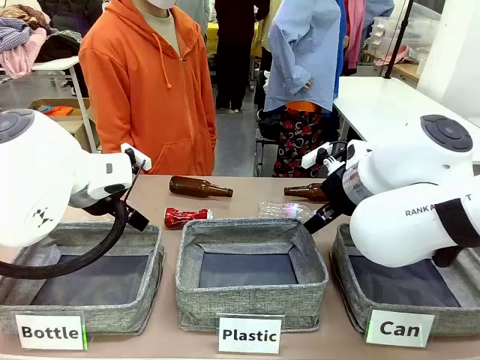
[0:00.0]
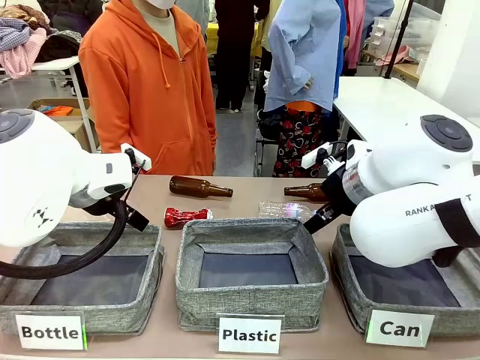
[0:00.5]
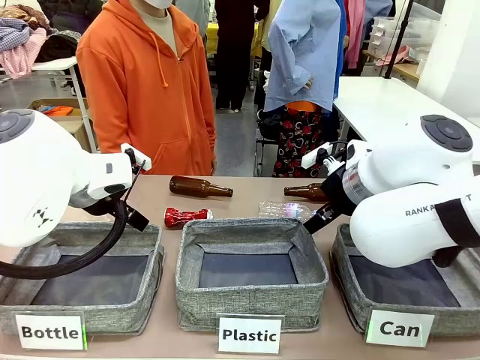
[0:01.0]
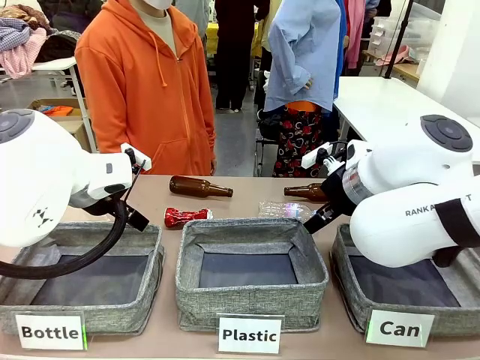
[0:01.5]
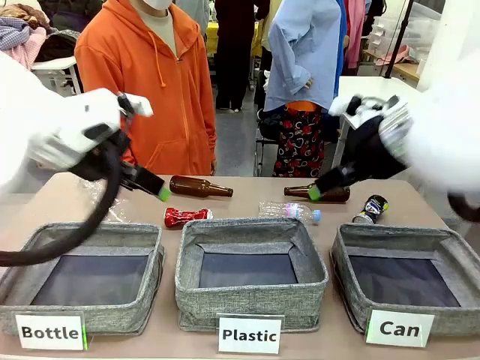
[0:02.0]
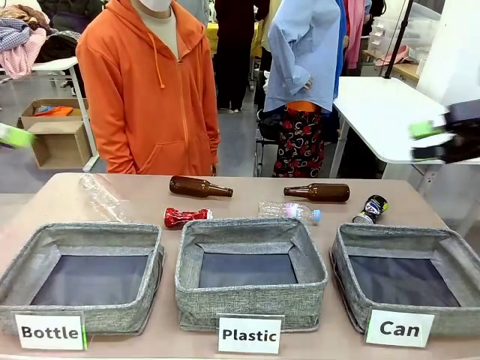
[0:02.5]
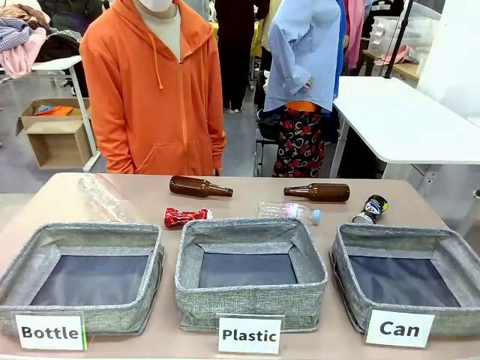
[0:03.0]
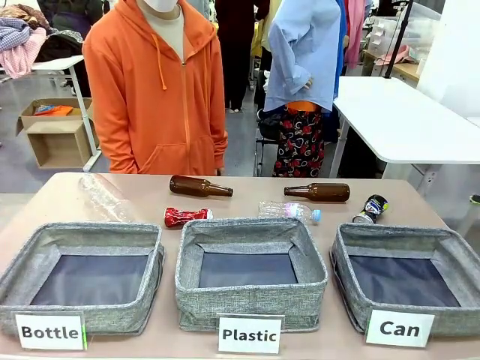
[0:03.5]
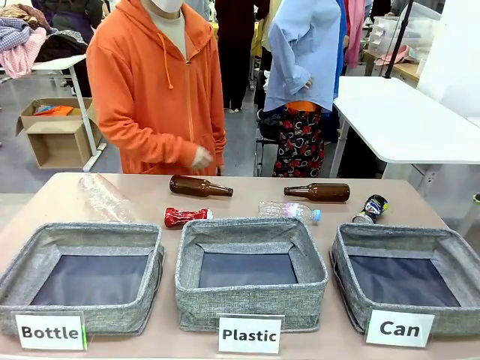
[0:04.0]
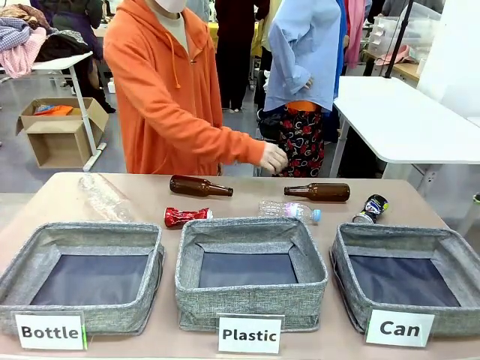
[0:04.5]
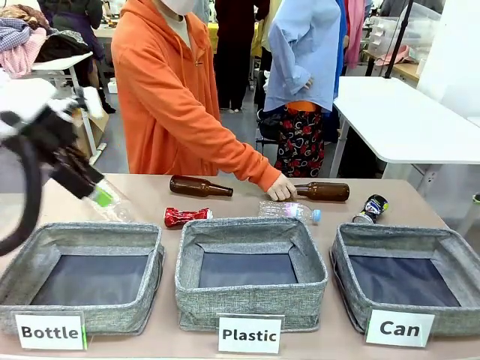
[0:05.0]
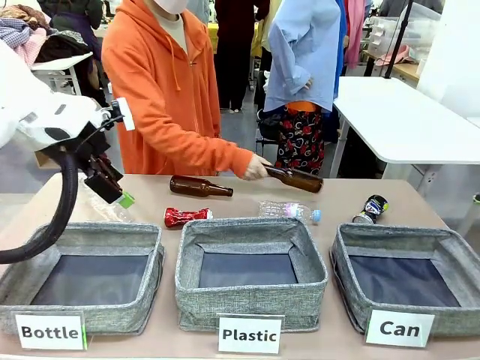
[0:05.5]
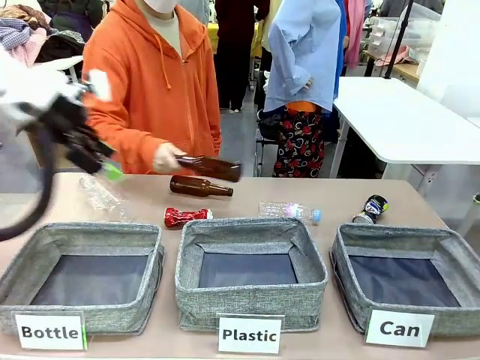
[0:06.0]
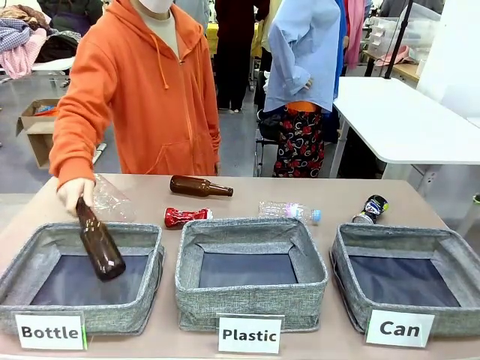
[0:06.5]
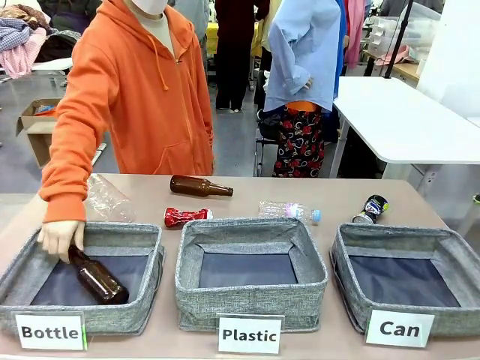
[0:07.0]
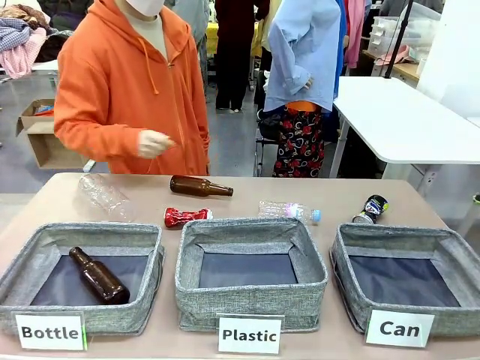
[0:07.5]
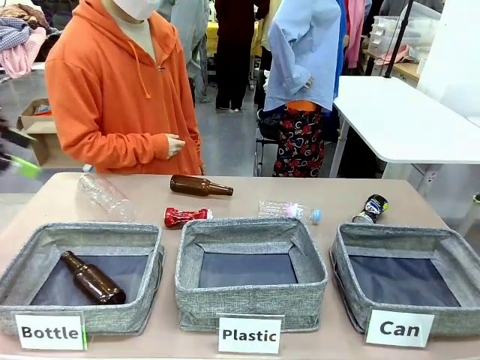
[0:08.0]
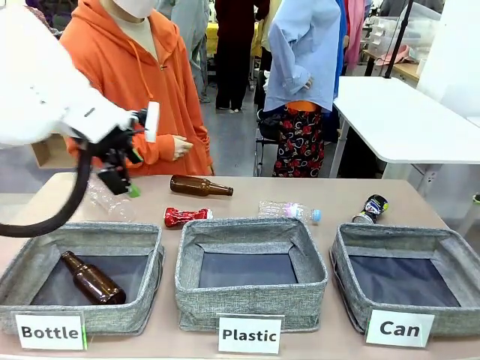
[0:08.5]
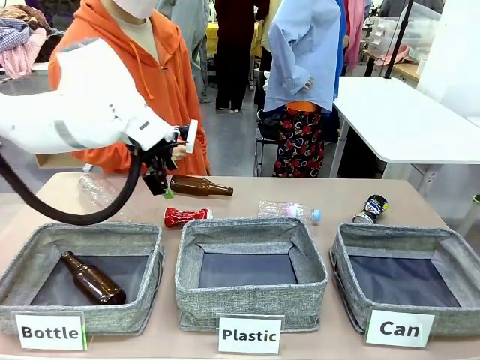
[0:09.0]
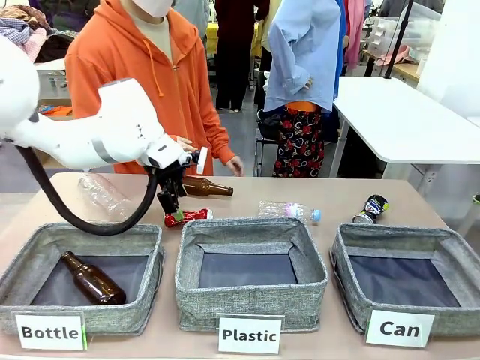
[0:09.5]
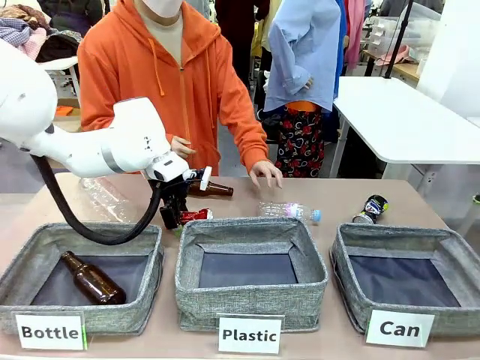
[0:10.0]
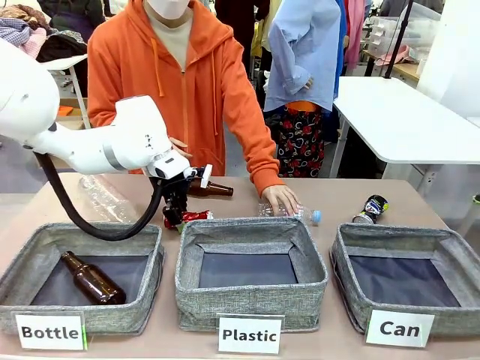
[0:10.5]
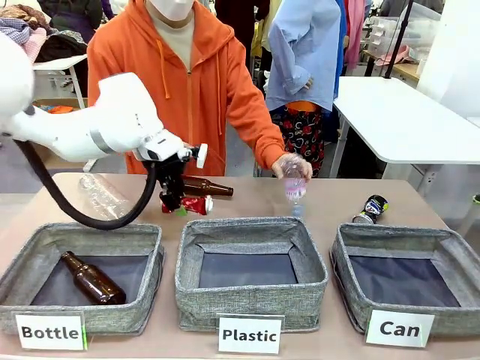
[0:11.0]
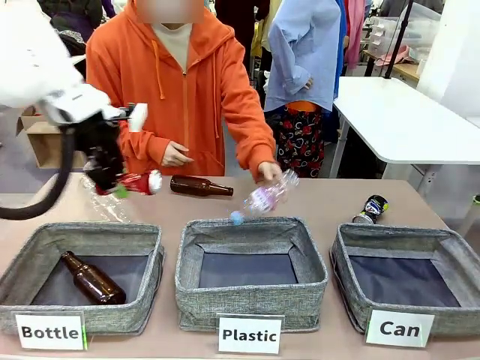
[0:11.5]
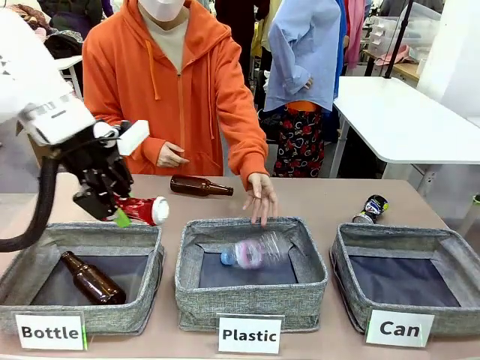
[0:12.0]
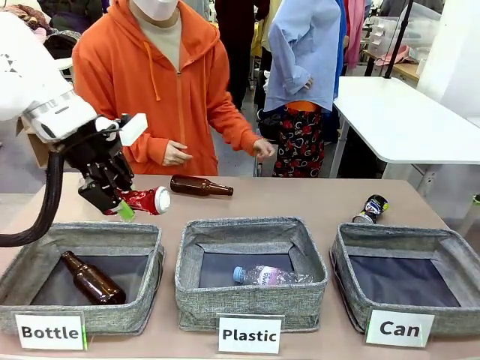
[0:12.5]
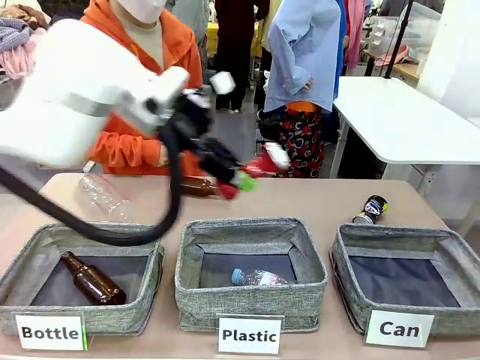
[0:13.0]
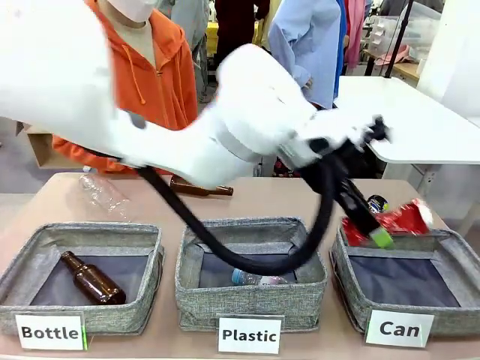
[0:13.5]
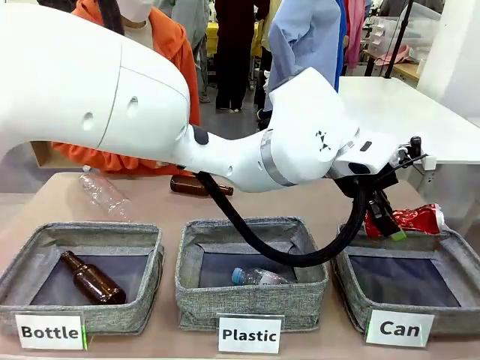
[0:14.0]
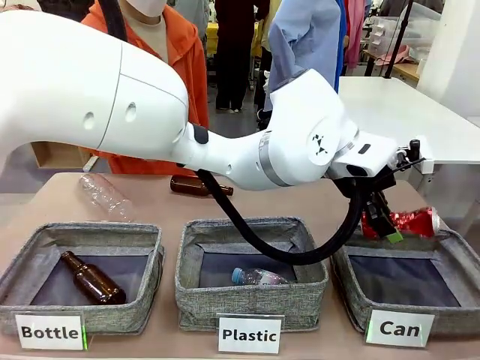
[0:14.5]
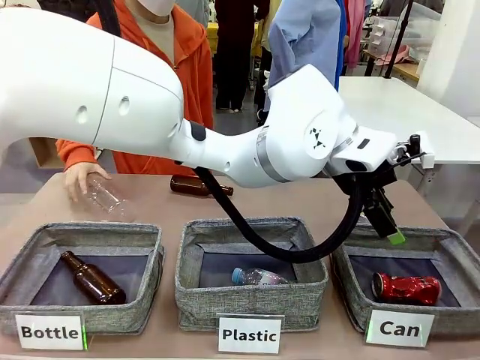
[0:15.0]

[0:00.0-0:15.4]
Task: Sort the can waste into the basket.
Robot: Pick up the can waste from the table and place it in the right Fabric basket.

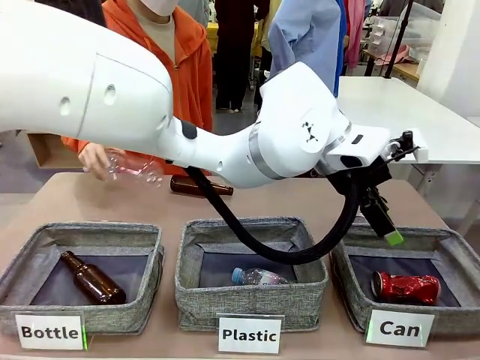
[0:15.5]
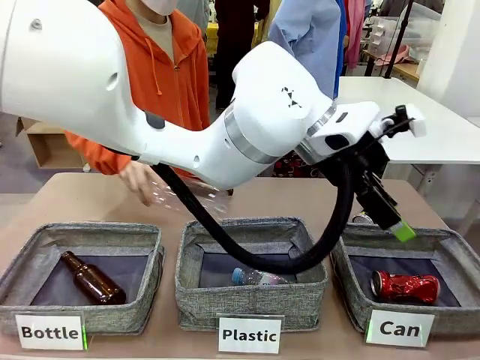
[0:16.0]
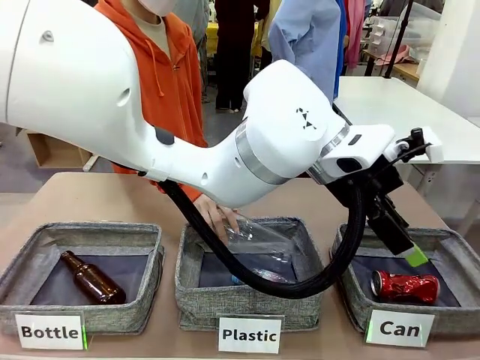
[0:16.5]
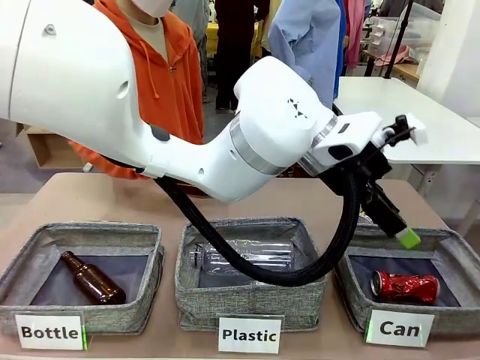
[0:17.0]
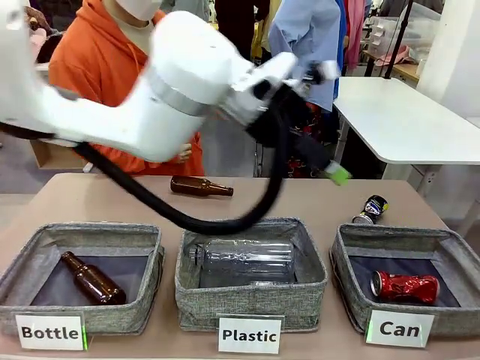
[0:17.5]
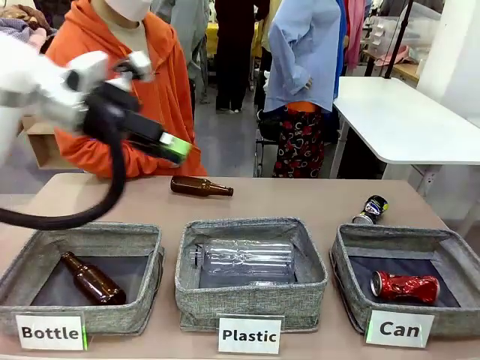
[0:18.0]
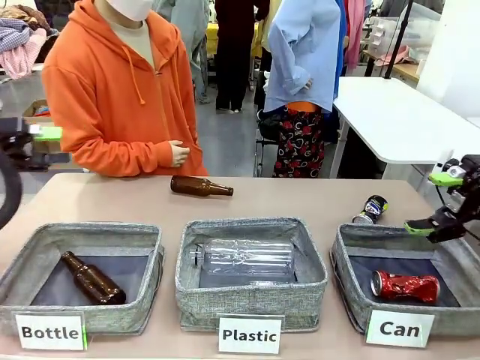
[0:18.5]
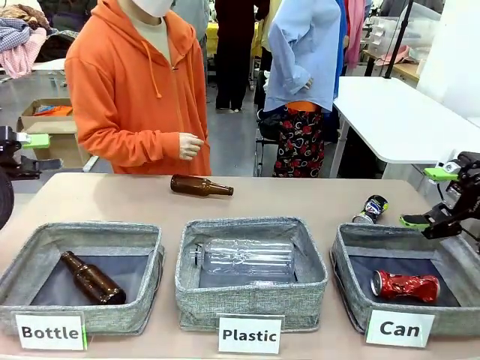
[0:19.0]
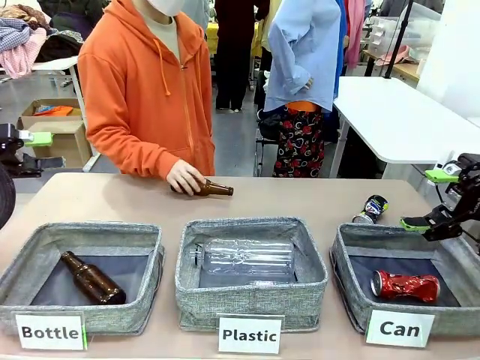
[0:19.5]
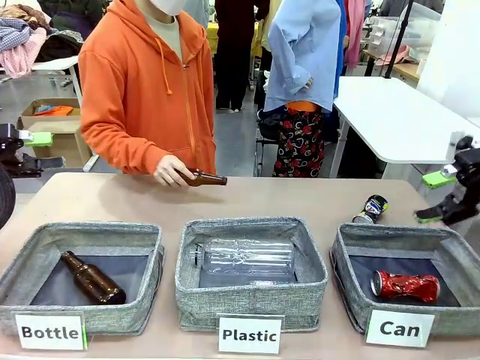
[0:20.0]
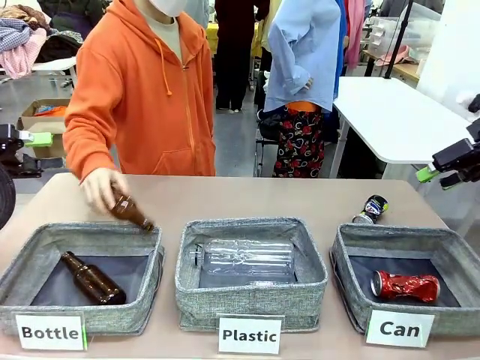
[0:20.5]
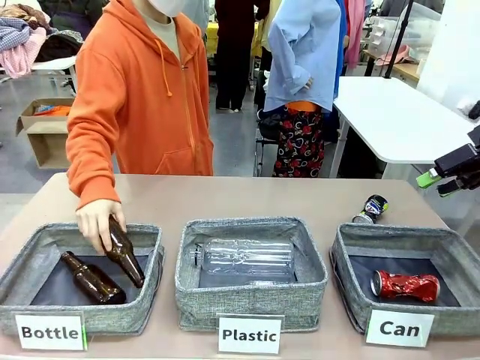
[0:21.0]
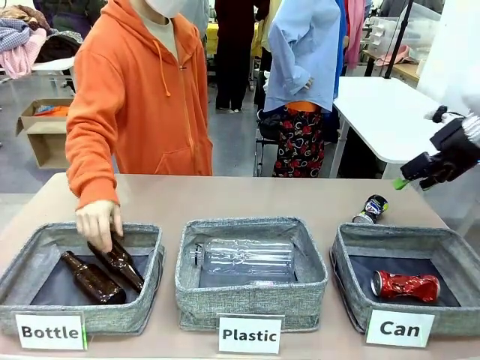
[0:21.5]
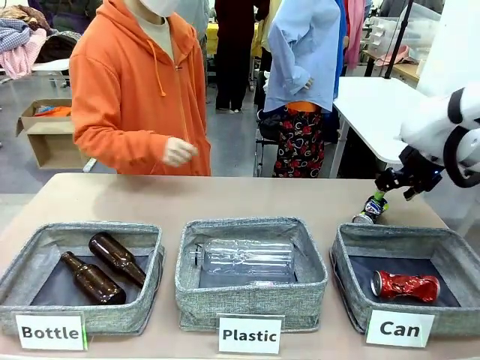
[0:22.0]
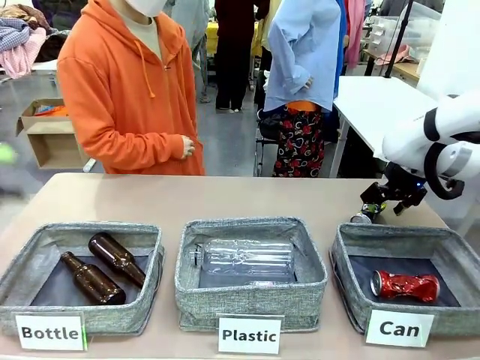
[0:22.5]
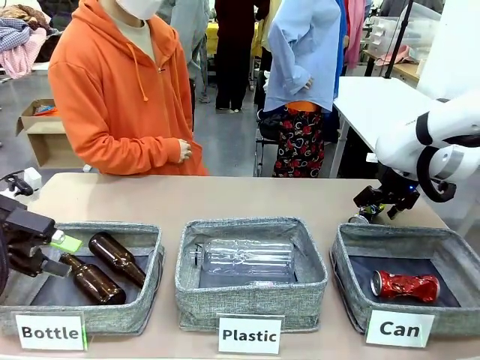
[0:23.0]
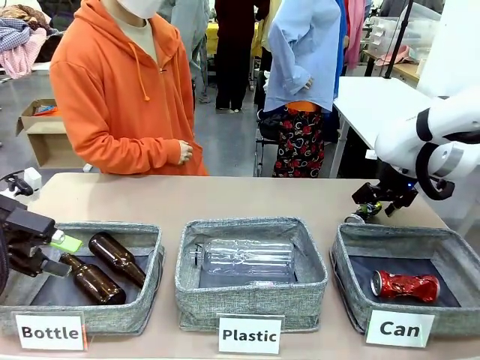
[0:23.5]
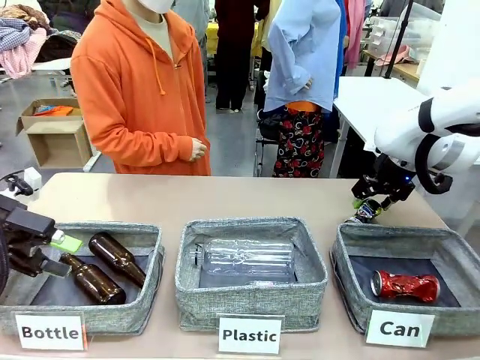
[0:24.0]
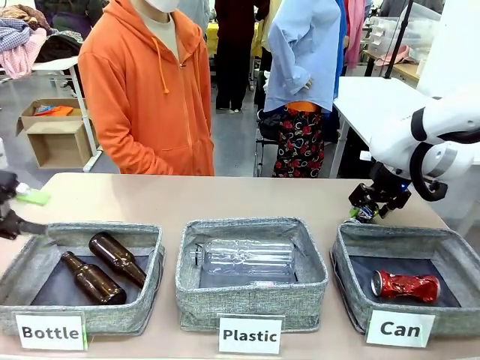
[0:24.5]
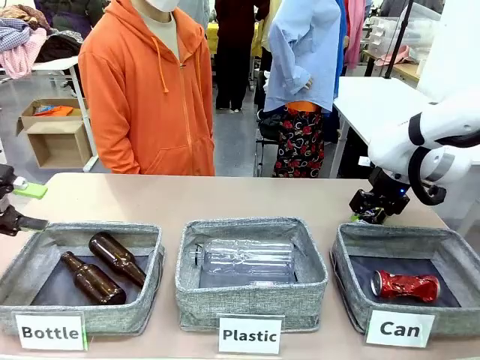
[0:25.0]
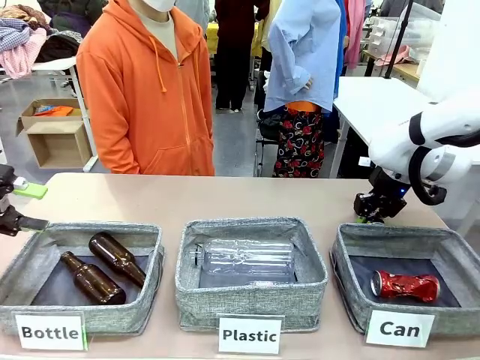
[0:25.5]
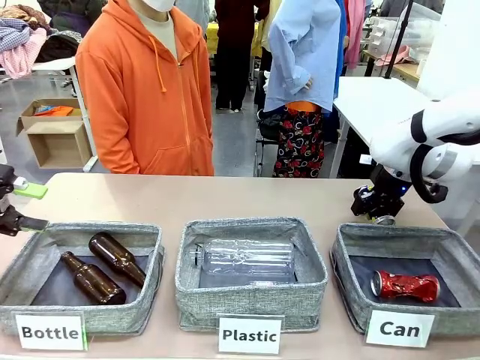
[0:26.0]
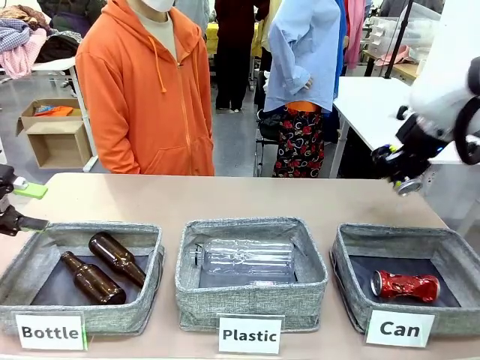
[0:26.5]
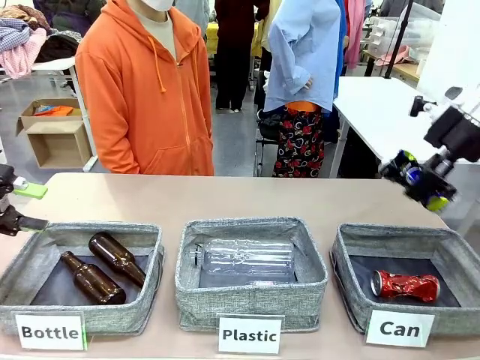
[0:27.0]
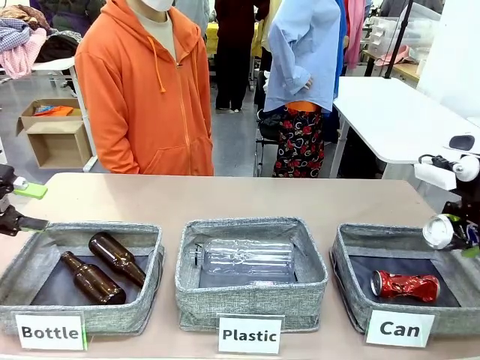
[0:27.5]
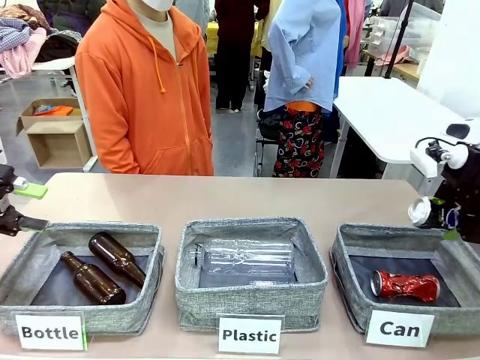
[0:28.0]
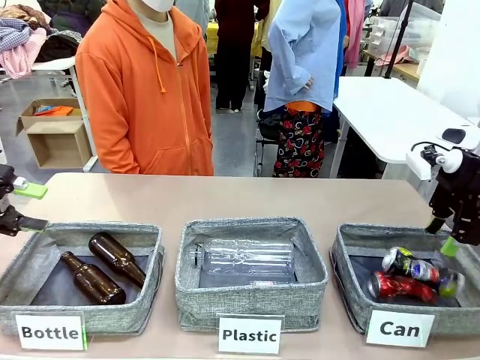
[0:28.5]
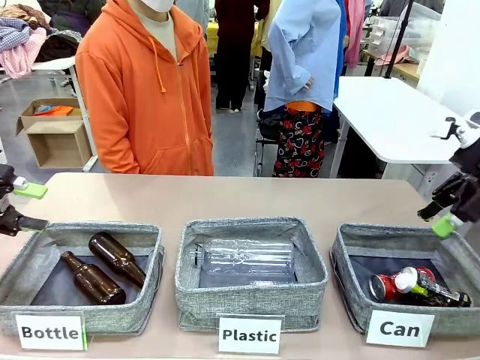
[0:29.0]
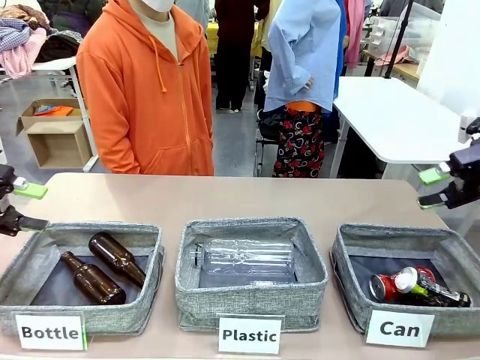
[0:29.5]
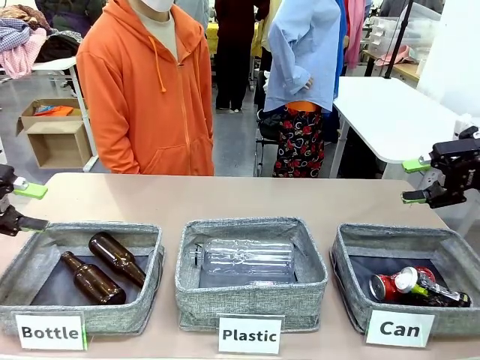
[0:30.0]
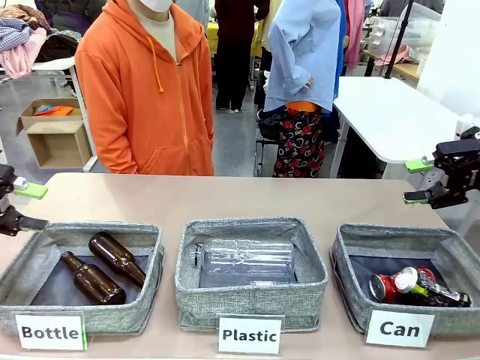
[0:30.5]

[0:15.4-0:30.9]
Robot: Pick up the can waste from the table and place it in the right Fabric basket.
Person: The human picks up one piece of trash that is not a can and places the trash into the appropriate organizing basket.
